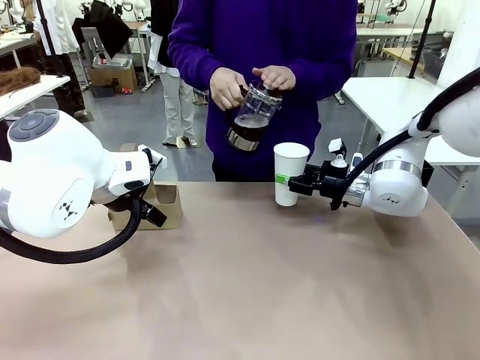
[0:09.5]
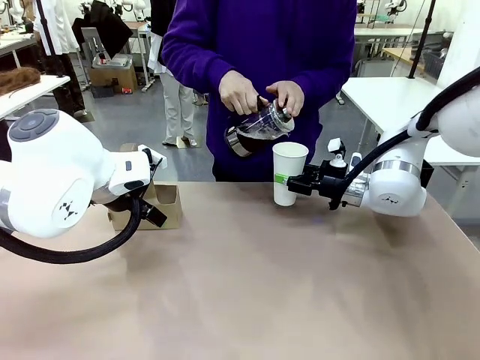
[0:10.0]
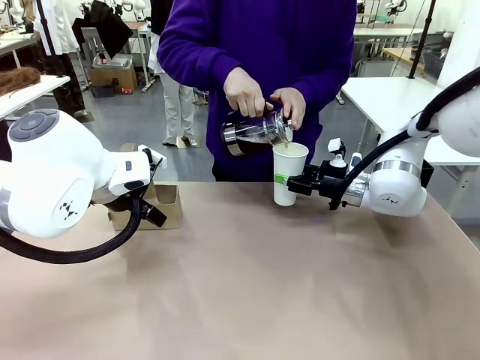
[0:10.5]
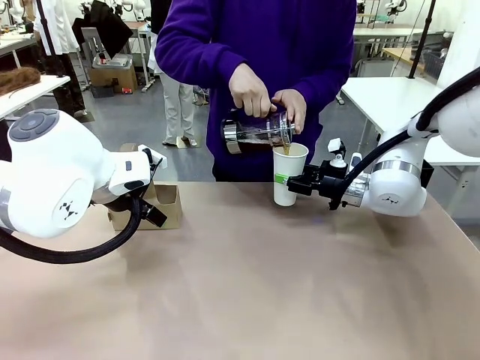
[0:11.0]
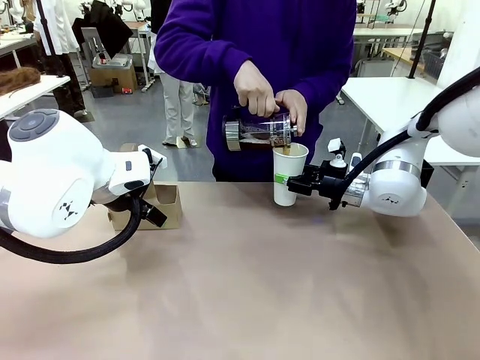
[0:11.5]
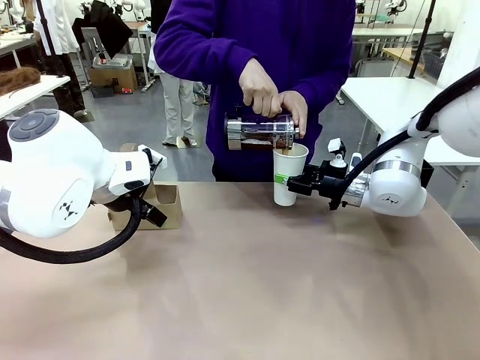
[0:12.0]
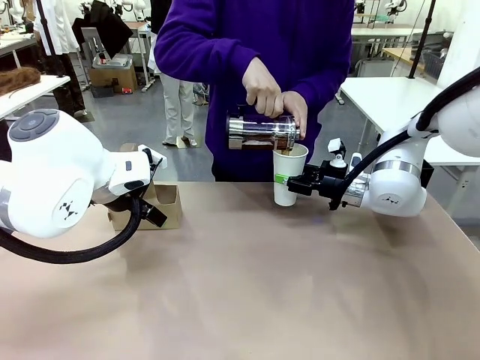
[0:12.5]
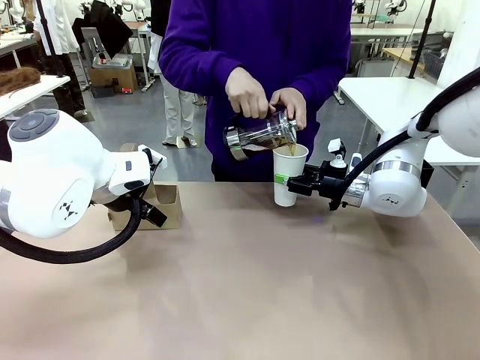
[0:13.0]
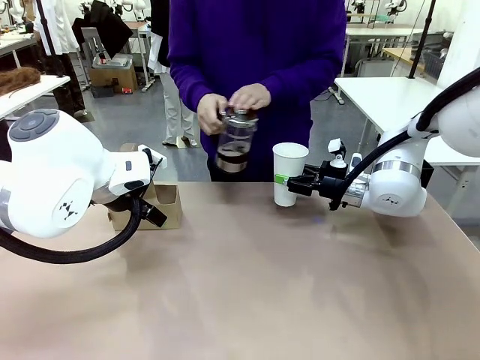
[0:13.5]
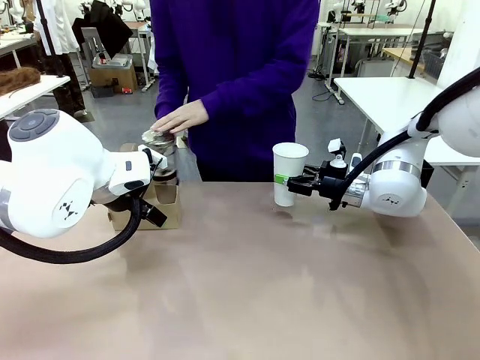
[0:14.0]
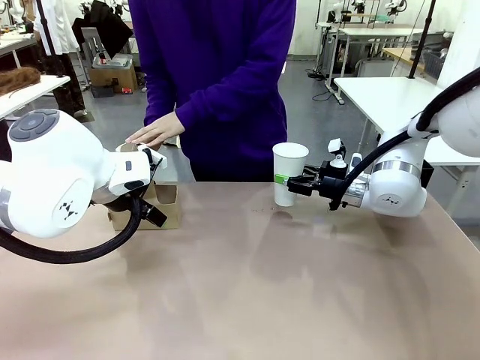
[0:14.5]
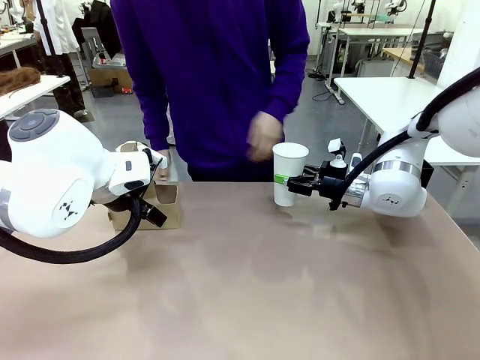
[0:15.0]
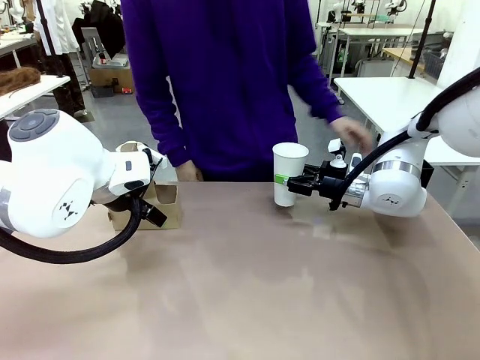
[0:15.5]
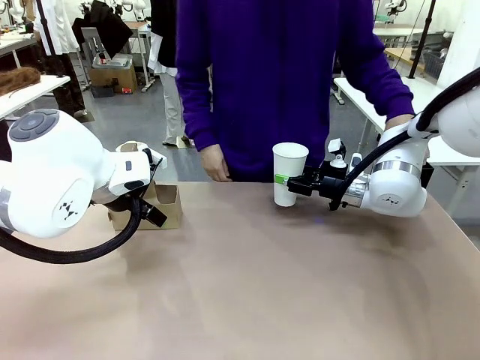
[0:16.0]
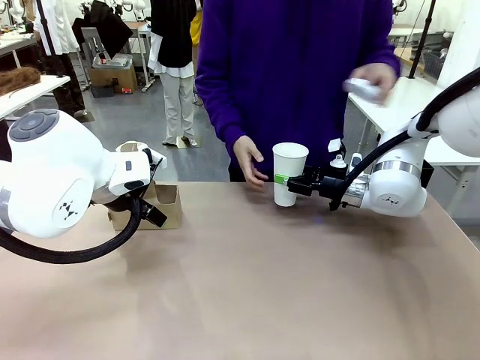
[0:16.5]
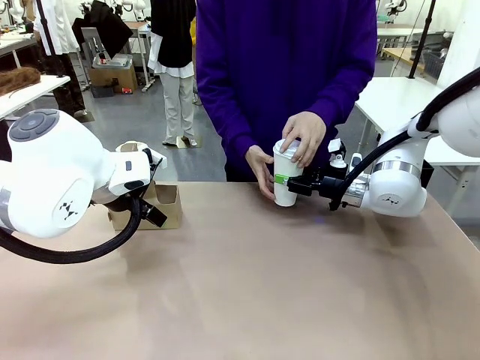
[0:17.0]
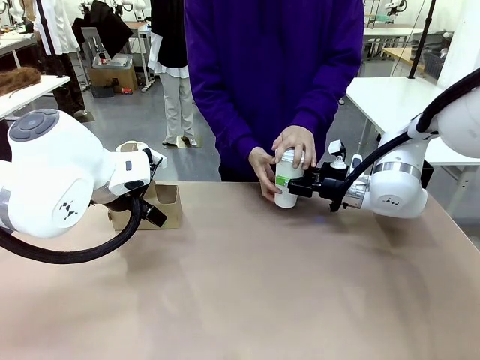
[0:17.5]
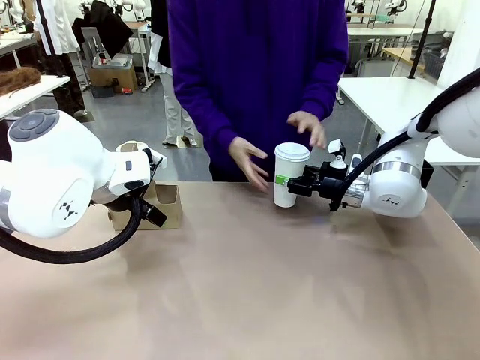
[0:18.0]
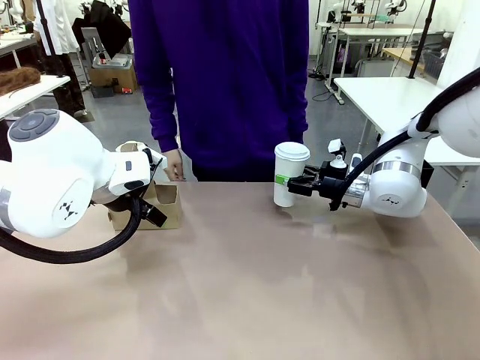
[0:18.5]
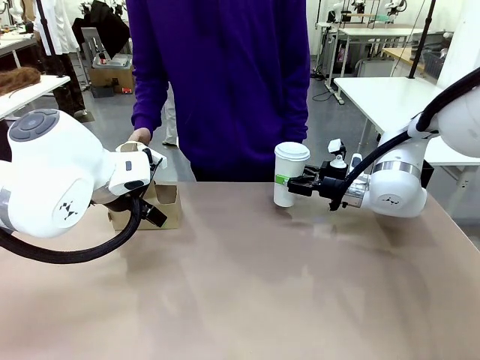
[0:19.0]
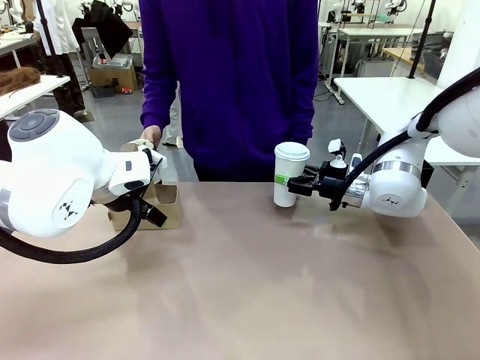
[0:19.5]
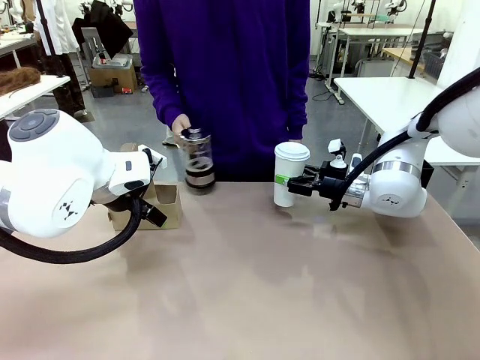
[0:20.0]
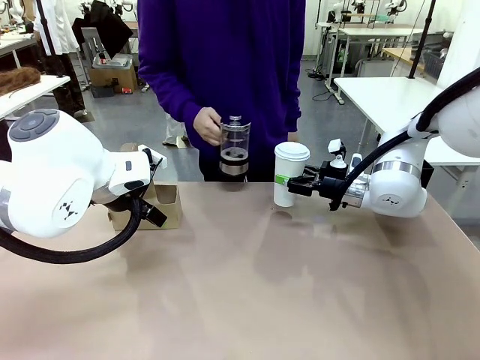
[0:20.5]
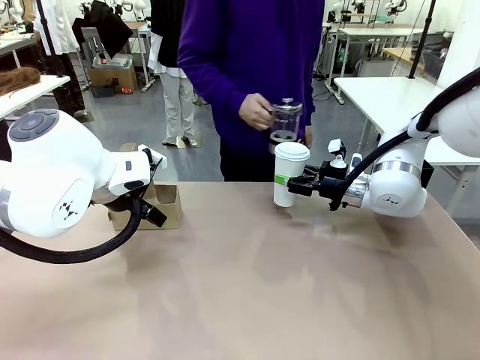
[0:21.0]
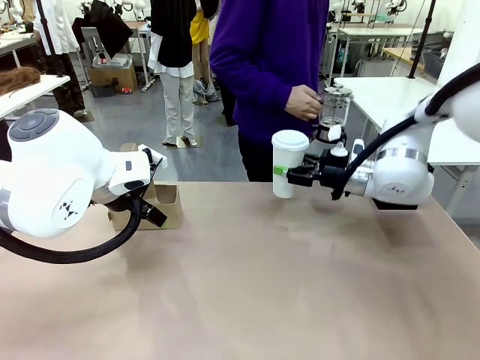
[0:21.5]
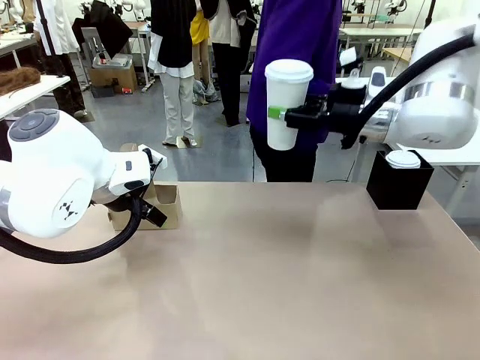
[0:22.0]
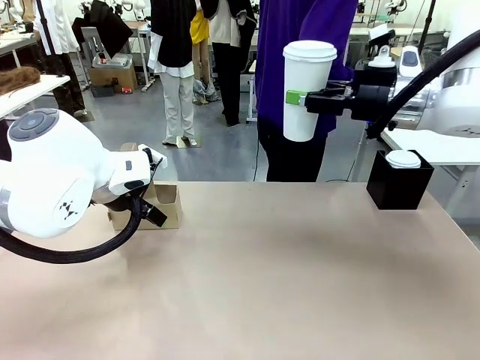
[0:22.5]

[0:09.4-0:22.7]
Task: Pour a drink into a cup and package it in a carrier.
Robot: When a person places the Paper Cup Lid on the 600 ml Paper Cup , lift the 600 ml Paper Cup.
Person: Pour the drink from the Filter Brewing into the 600 ml Paper Cup. Place a Paper Cup Lid on the 600 ml Paper Cup.

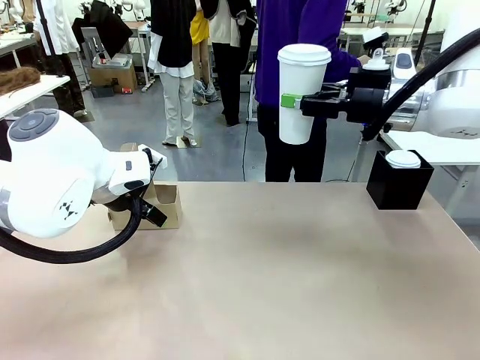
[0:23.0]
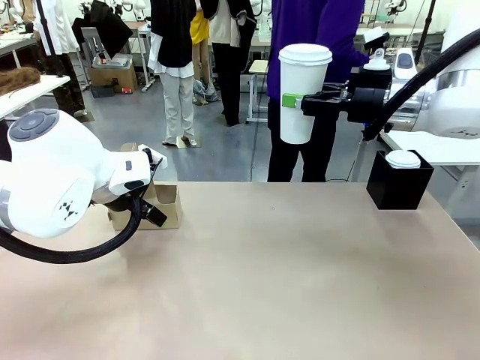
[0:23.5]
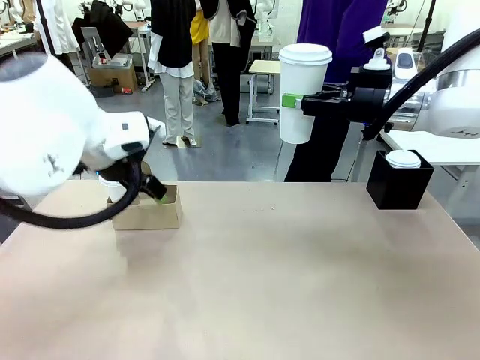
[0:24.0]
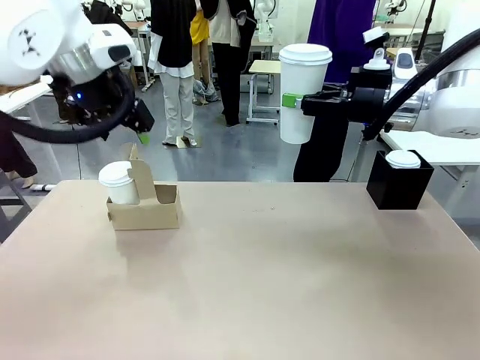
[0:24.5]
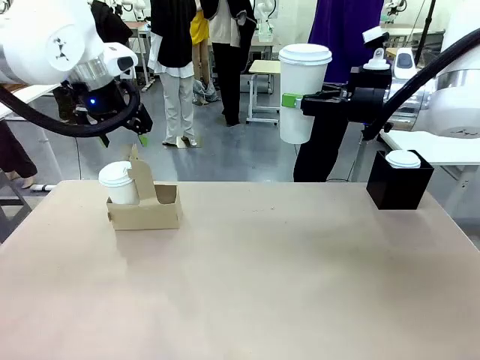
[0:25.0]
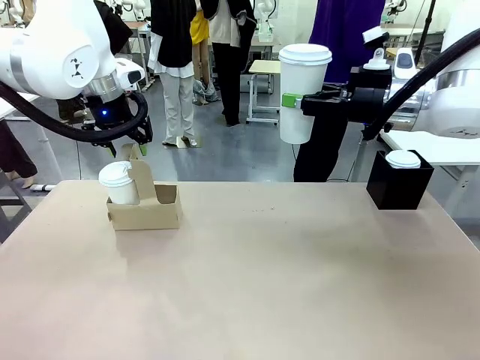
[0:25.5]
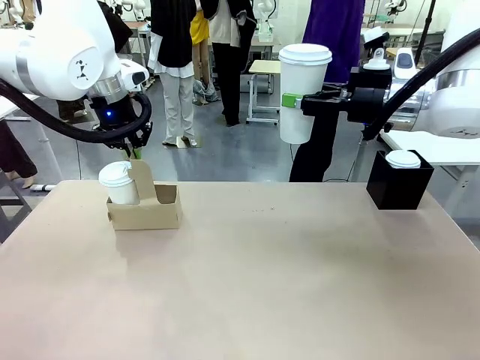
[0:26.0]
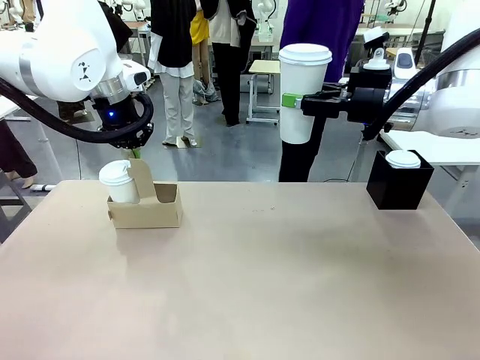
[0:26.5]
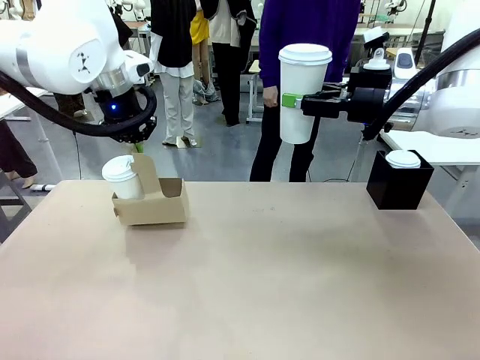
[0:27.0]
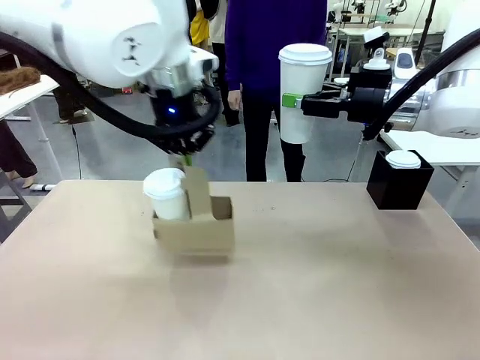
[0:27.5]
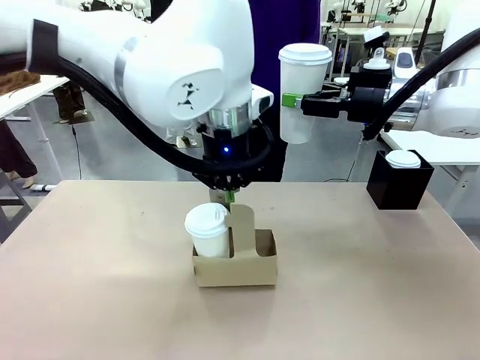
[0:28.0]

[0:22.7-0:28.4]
Robot: Position the Cup Carrier in the center of the table.

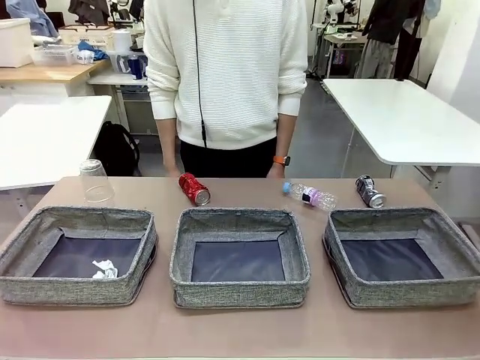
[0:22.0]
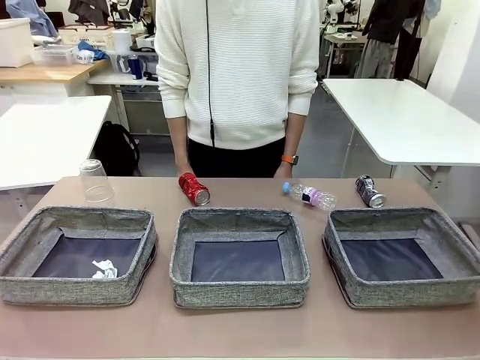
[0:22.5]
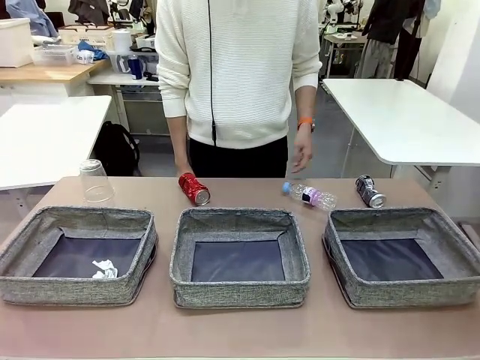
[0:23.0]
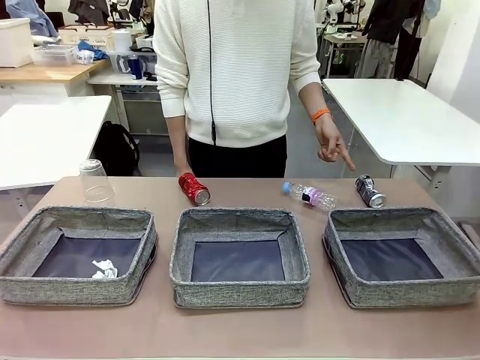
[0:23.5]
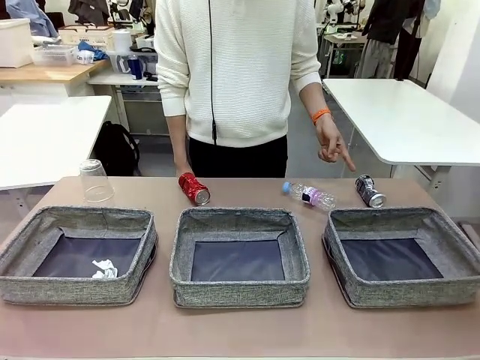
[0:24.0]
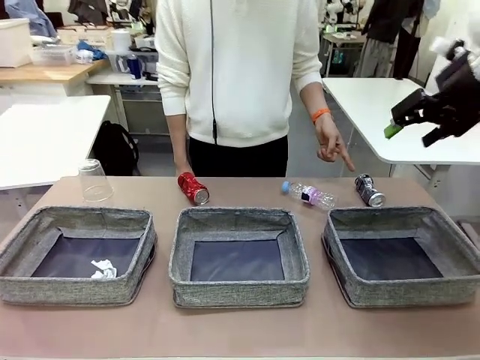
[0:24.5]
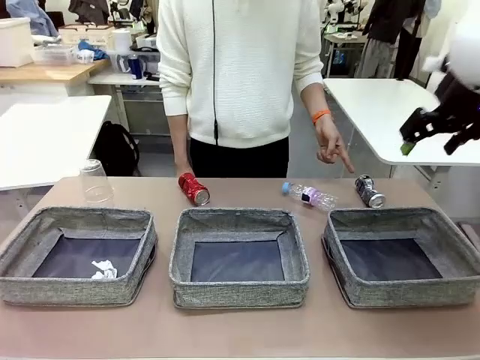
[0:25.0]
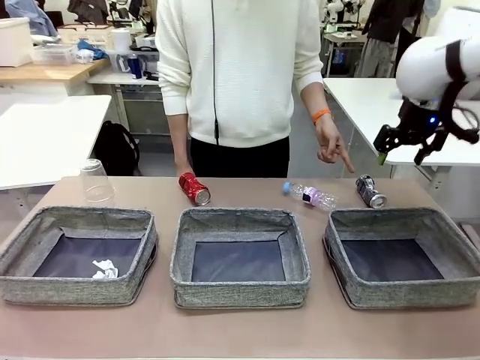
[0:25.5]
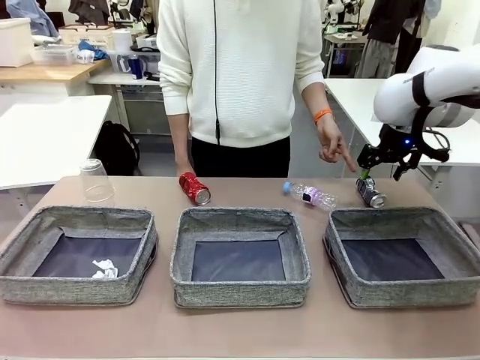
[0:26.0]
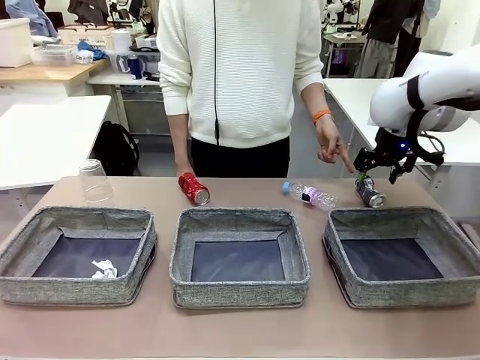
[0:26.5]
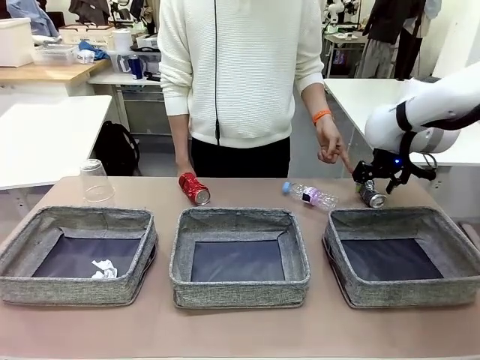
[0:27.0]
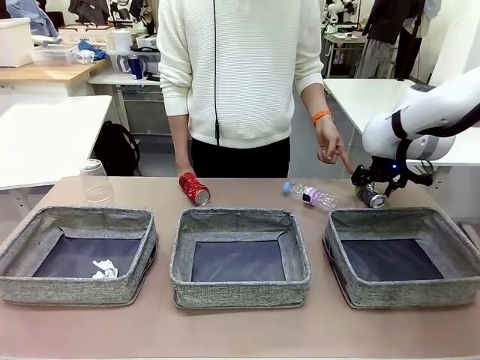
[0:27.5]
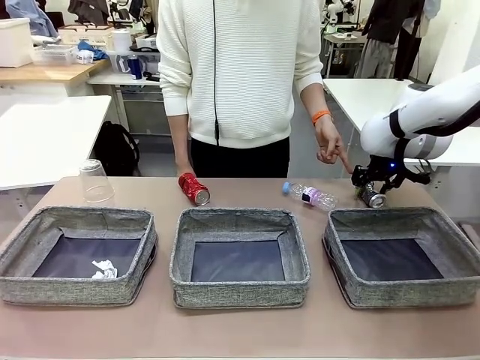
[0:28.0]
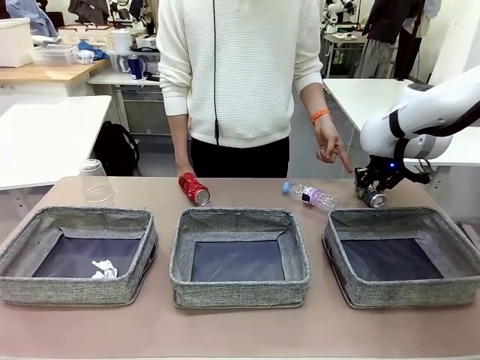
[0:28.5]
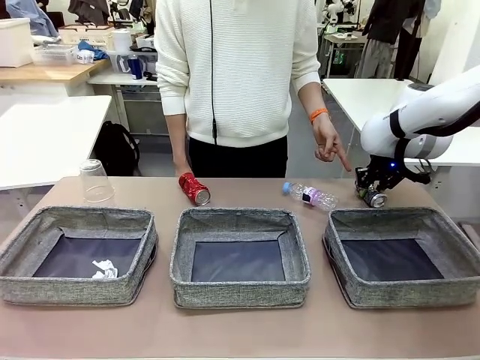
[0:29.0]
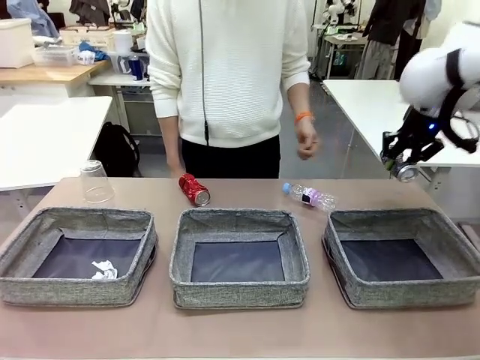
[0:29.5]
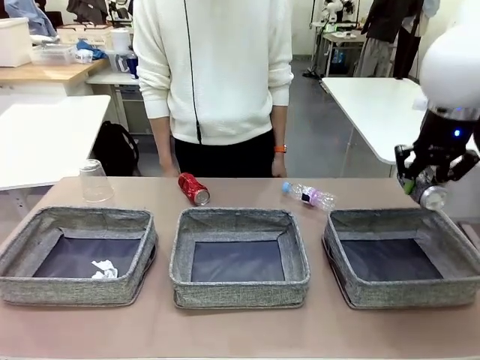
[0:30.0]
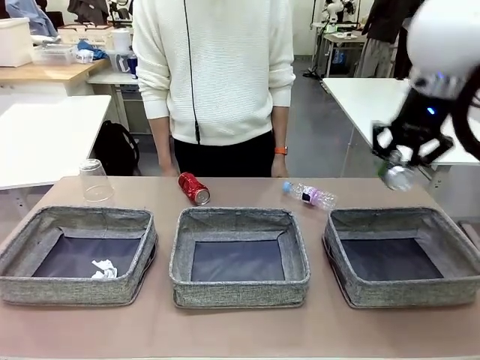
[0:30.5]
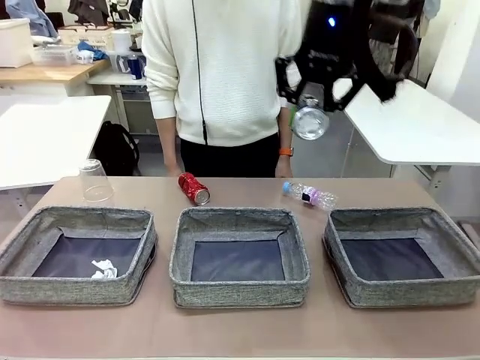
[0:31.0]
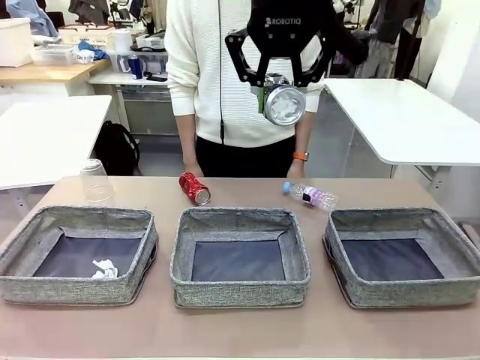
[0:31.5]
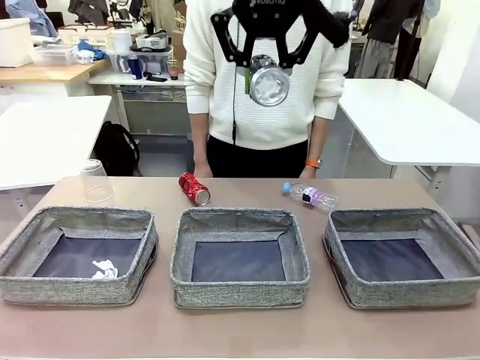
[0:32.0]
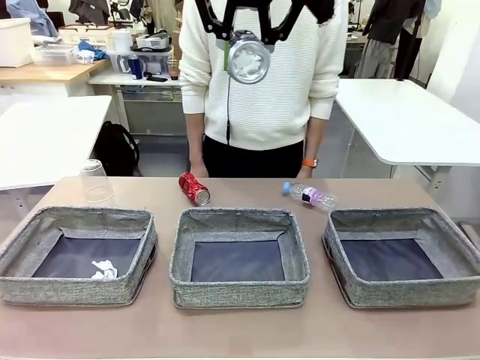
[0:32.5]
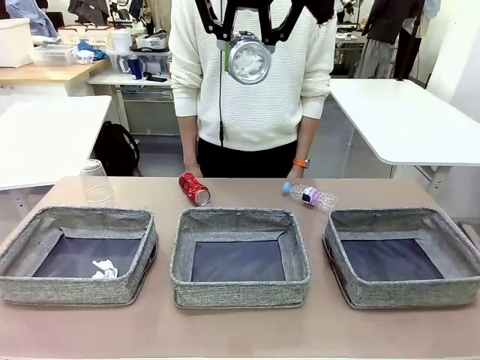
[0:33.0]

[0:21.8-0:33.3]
Task: Sort the waste into the appropriate baskets.
Robot: Pick up the waste item pointed out by the person.
Person: Points to one piece of trash on the table.
